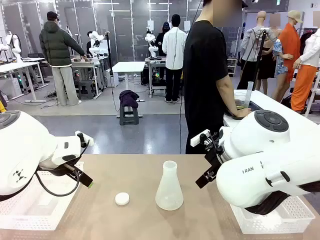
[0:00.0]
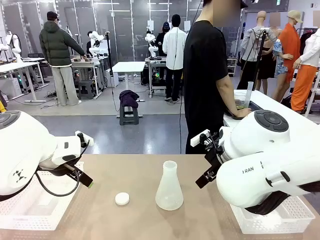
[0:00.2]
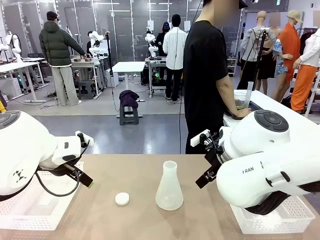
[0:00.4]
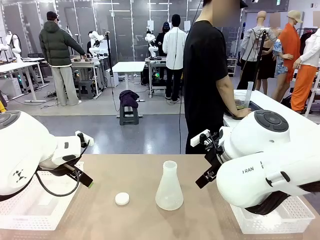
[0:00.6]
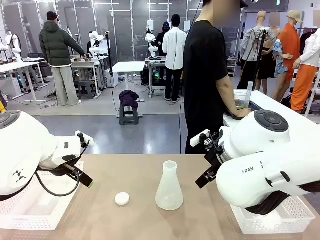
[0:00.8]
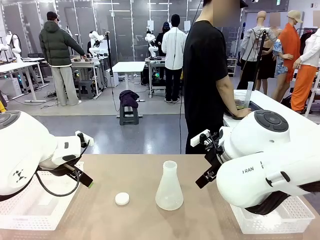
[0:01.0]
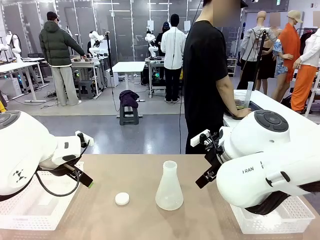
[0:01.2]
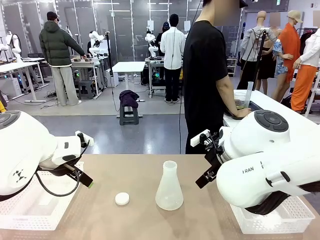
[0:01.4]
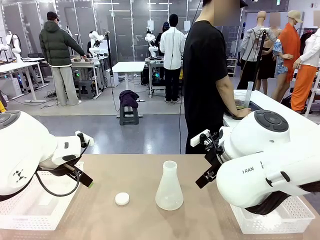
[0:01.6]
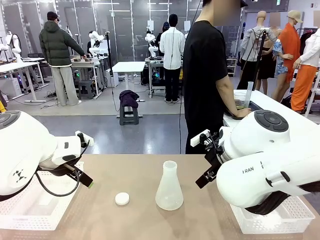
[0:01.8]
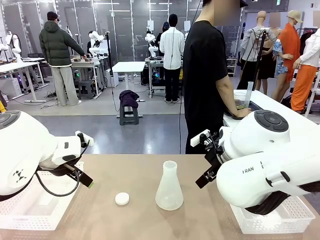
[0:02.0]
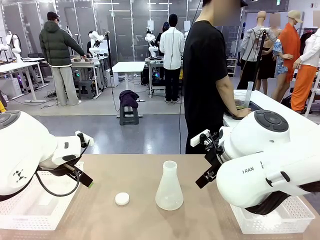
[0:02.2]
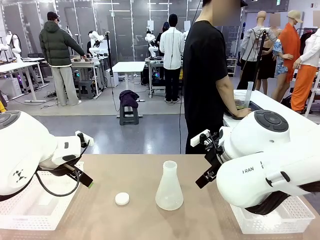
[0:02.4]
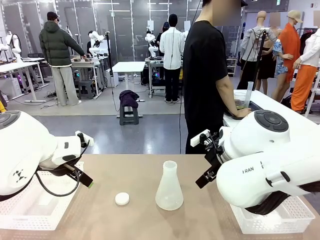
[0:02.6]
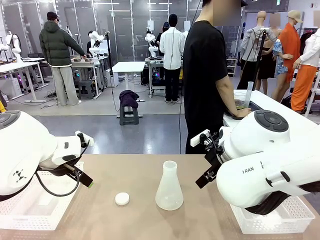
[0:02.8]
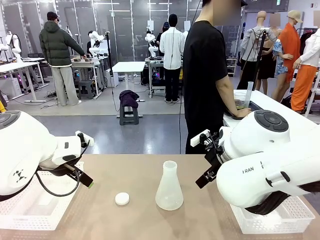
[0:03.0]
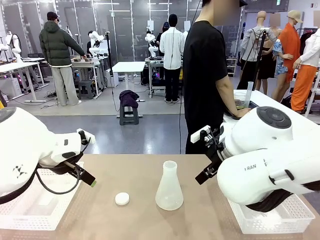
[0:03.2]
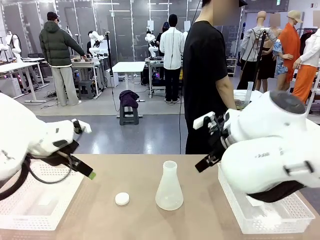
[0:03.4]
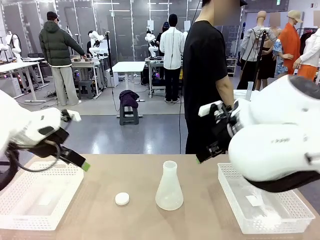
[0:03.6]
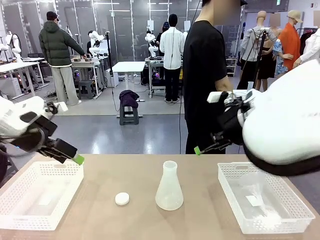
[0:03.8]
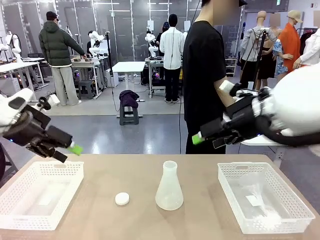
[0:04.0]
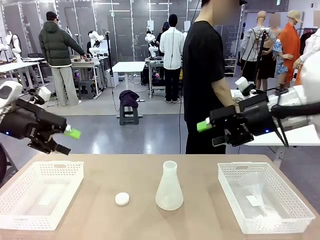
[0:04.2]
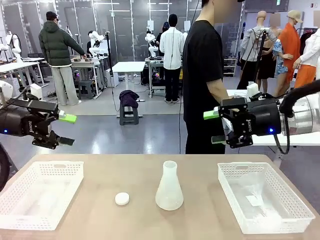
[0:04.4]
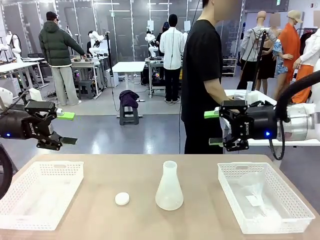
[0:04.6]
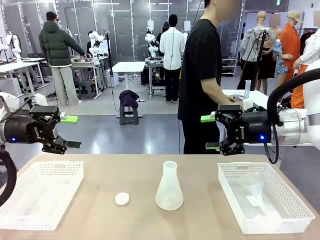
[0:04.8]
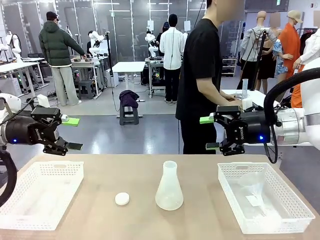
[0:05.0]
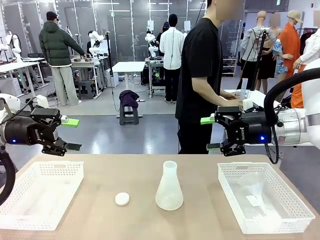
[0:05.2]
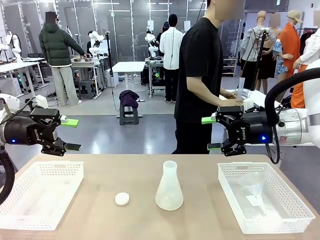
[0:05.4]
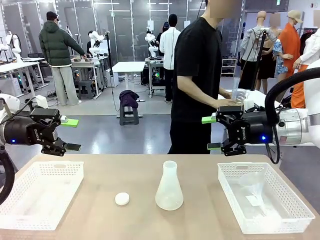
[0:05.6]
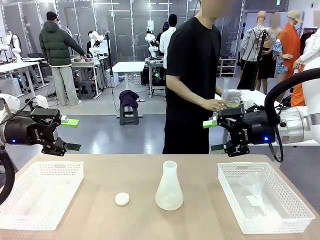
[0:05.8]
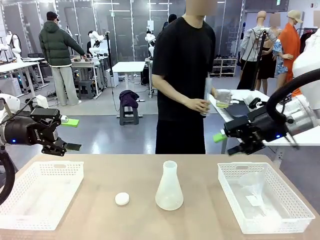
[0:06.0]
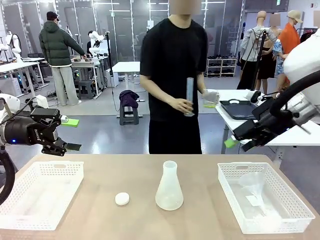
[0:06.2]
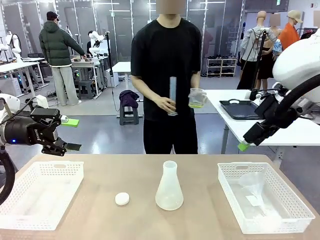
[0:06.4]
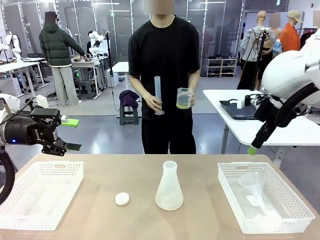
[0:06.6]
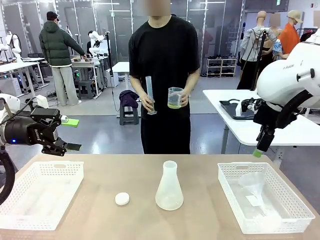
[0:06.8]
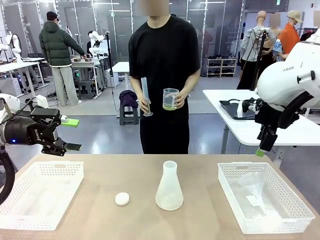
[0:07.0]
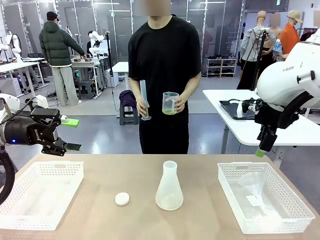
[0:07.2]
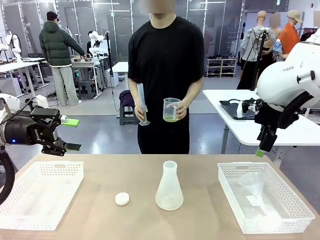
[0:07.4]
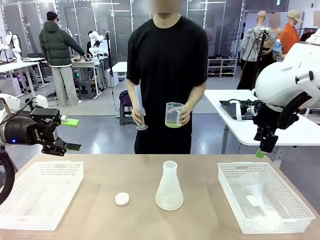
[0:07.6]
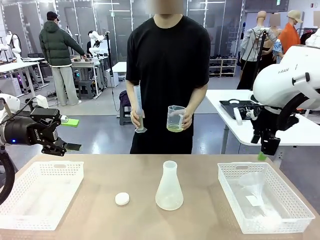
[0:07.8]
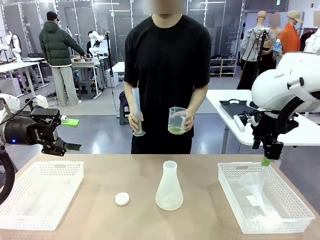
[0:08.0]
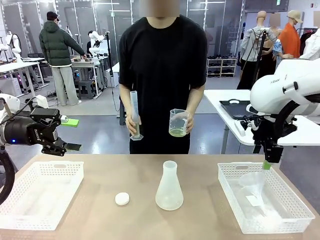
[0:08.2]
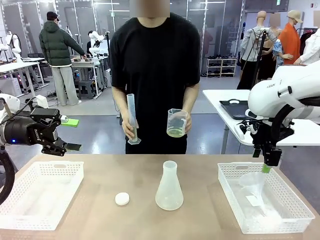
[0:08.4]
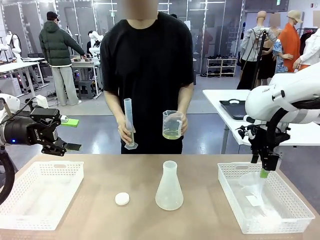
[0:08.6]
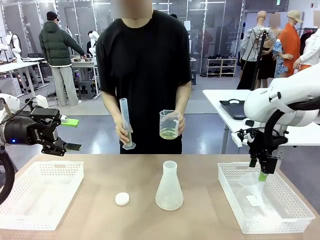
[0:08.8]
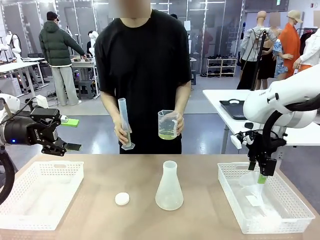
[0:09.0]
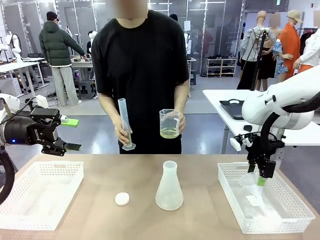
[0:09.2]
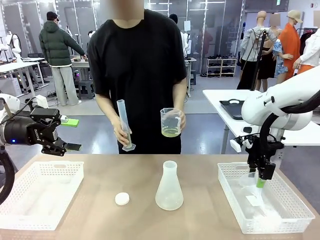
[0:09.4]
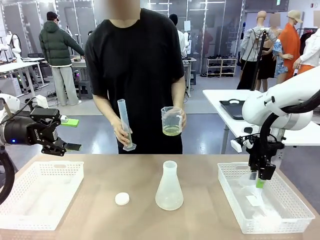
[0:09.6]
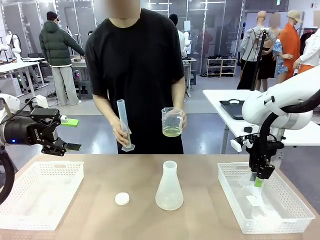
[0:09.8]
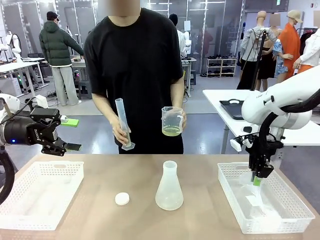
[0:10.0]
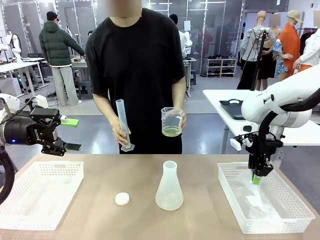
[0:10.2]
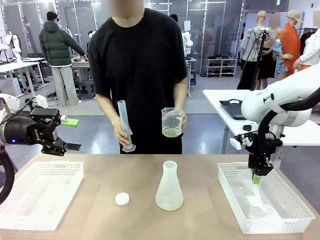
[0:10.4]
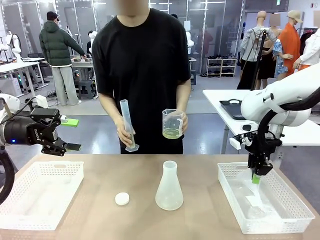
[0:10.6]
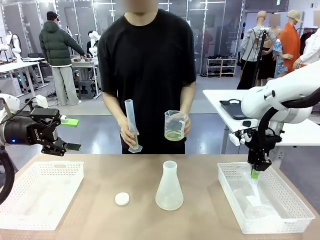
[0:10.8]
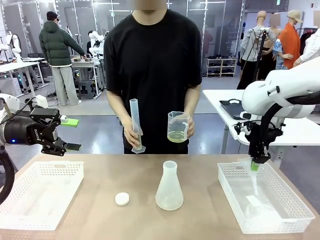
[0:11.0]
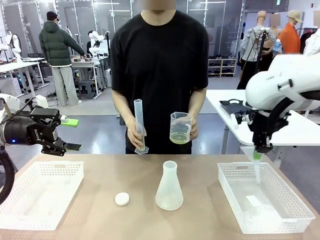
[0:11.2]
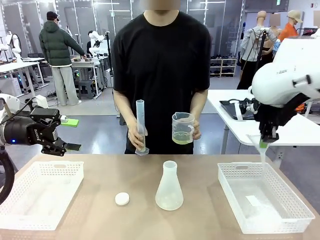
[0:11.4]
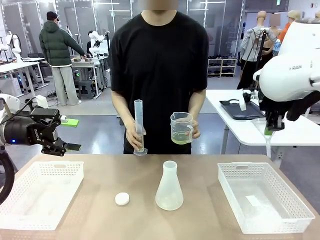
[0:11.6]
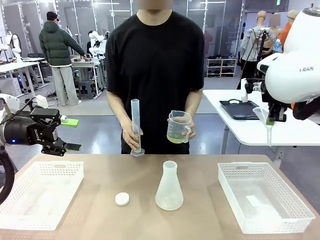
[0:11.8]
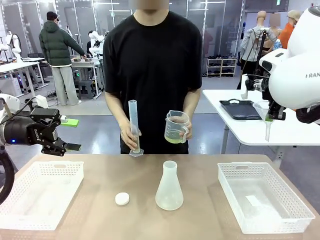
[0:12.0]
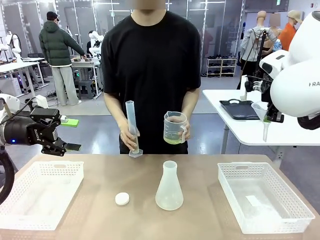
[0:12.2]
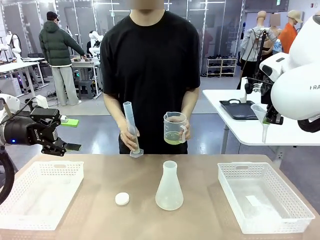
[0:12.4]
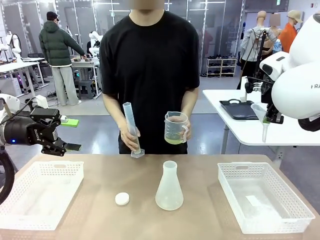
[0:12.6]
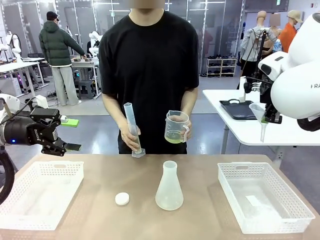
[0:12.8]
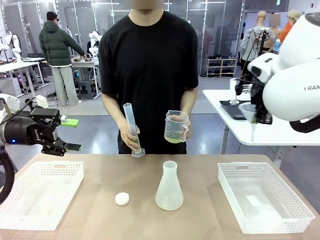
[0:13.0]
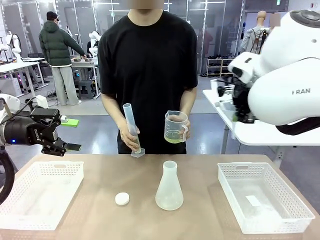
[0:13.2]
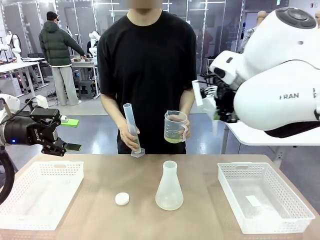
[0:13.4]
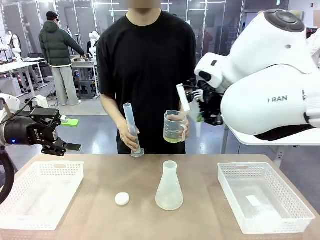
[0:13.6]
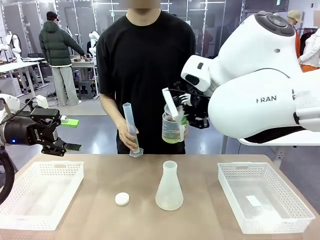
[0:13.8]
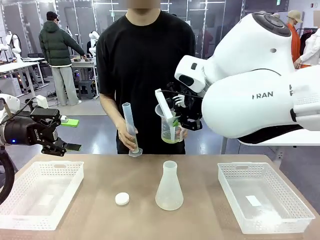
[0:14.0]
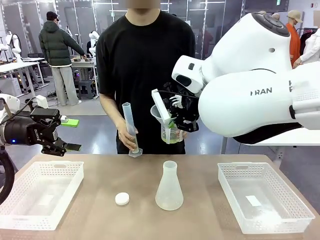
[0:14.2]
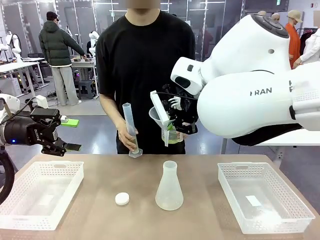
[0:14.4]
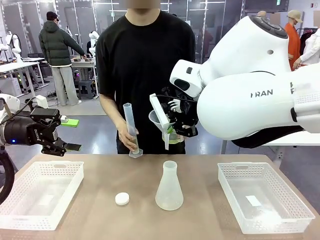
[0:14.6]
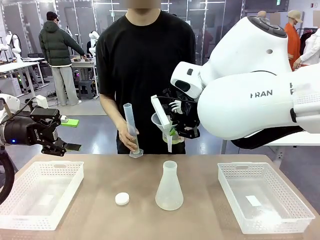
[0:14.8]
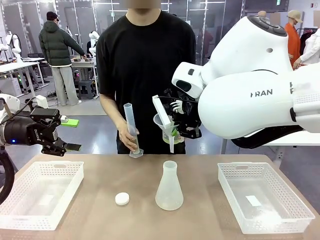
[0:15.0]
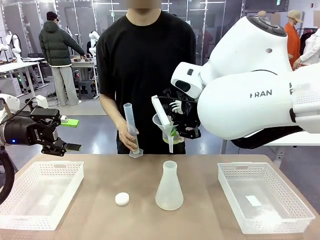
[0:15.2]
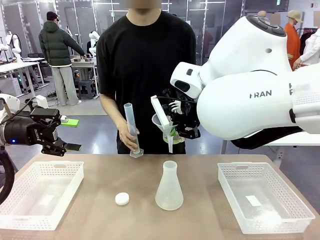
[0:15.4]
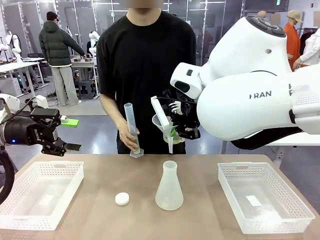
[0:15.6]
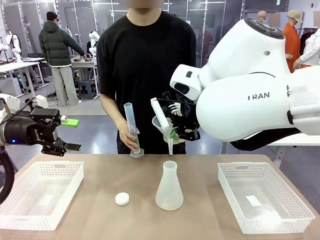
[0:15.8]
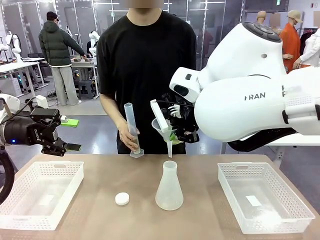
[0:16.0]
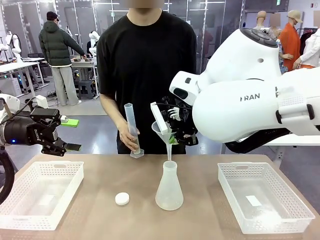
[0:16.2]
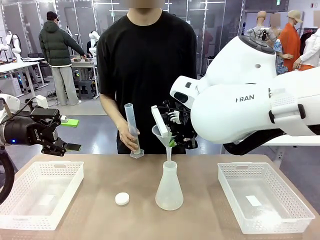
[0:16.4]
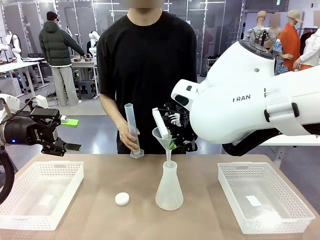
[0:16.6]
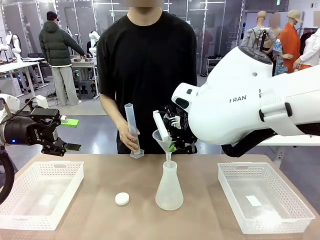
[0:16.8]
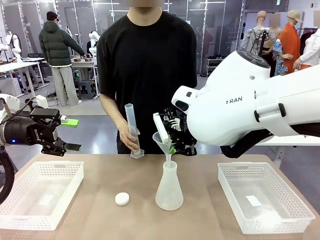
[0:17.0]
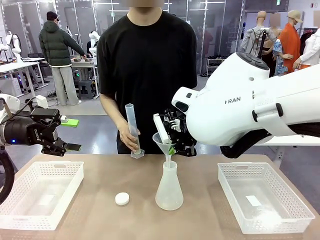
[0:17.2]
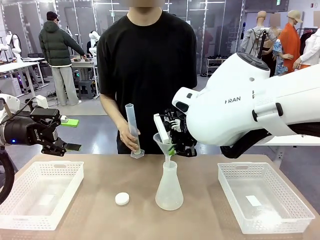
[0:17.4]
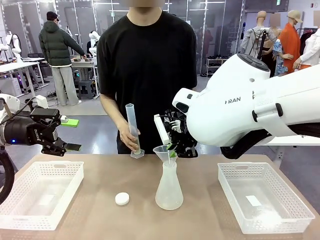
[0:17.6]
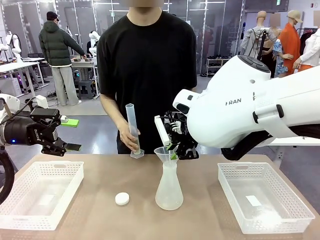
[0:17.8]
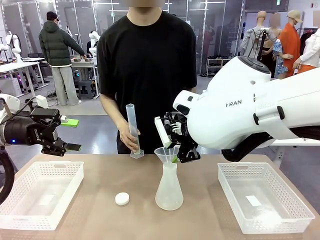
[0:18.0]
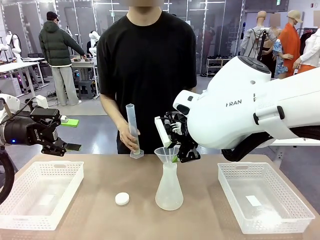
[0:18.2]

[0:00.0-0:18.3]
Task: Prepare the solutions needed for the experiment.
Robot: Pick up the Plastic Funnel and insert it into the Big flask.
Person: Pick up the beaker and the cylinder and move to the middle of the robot table.
